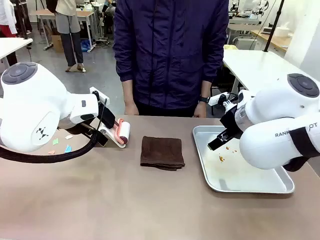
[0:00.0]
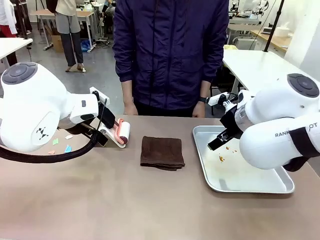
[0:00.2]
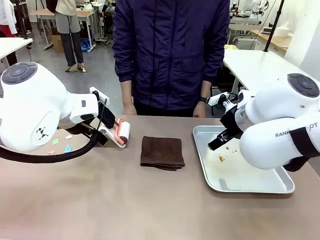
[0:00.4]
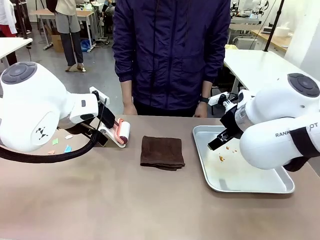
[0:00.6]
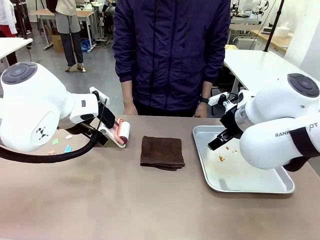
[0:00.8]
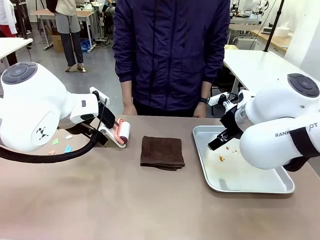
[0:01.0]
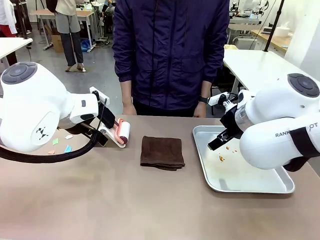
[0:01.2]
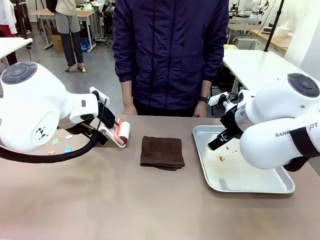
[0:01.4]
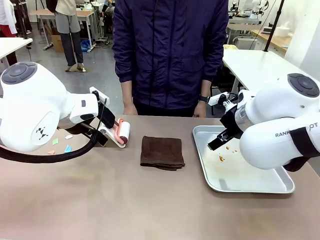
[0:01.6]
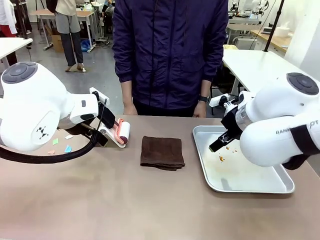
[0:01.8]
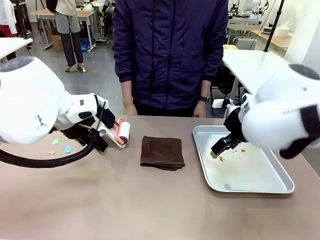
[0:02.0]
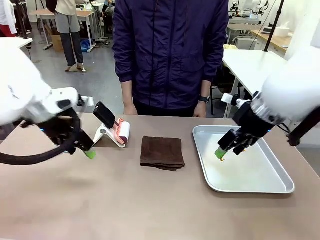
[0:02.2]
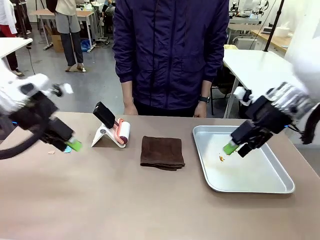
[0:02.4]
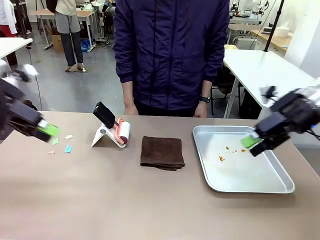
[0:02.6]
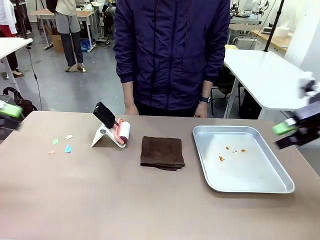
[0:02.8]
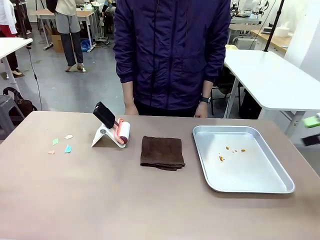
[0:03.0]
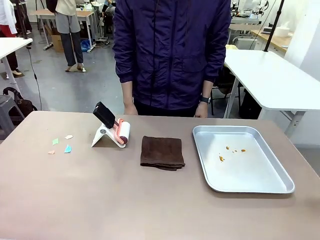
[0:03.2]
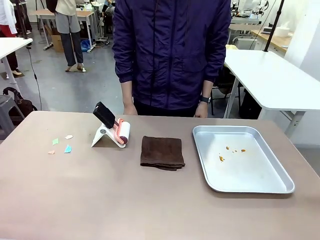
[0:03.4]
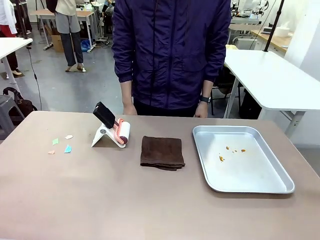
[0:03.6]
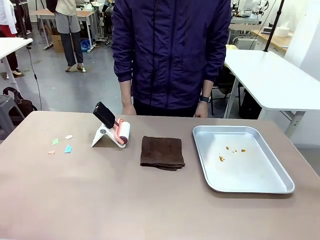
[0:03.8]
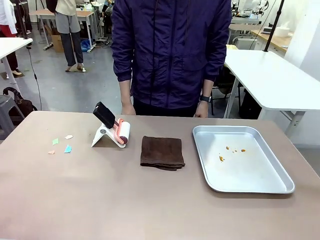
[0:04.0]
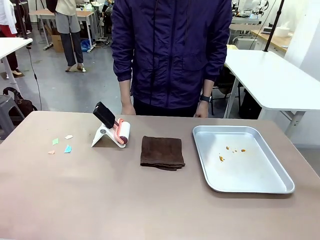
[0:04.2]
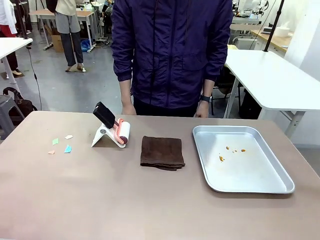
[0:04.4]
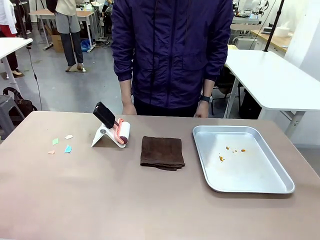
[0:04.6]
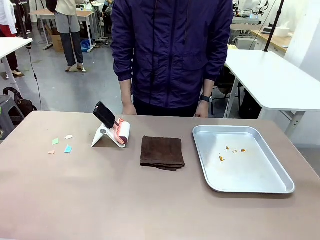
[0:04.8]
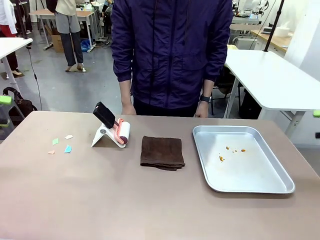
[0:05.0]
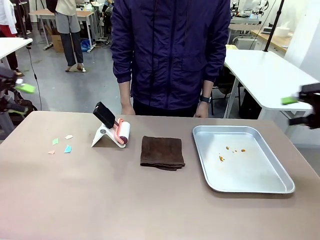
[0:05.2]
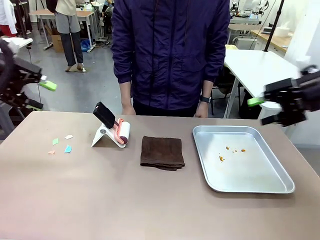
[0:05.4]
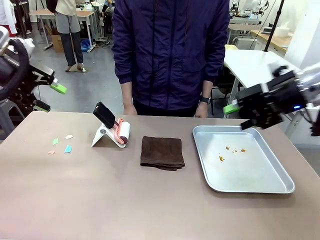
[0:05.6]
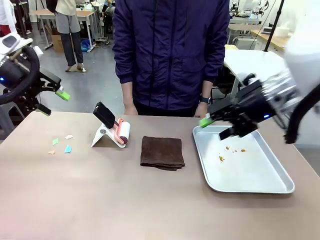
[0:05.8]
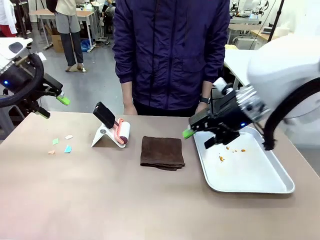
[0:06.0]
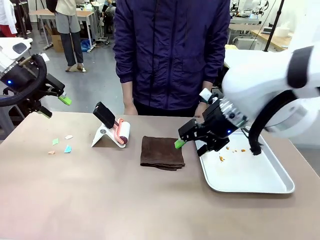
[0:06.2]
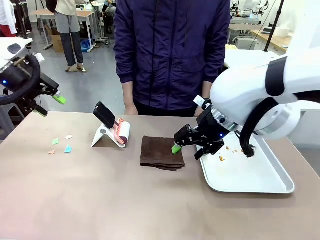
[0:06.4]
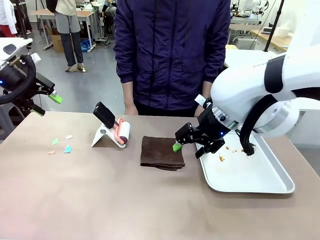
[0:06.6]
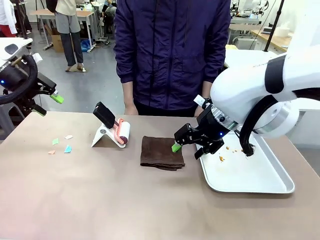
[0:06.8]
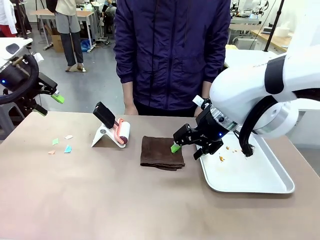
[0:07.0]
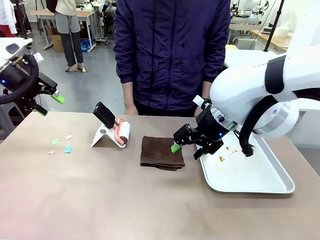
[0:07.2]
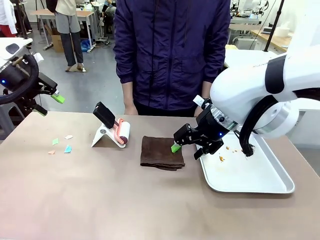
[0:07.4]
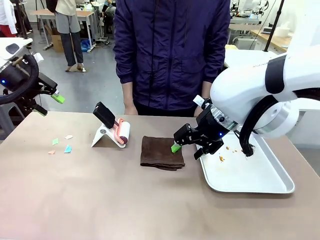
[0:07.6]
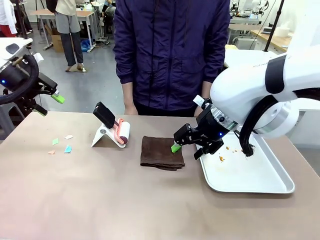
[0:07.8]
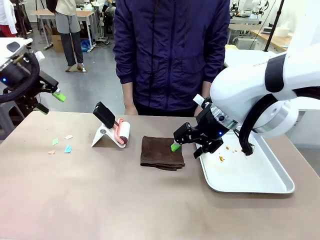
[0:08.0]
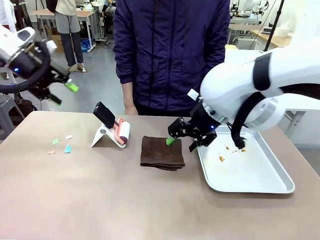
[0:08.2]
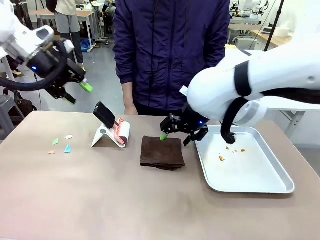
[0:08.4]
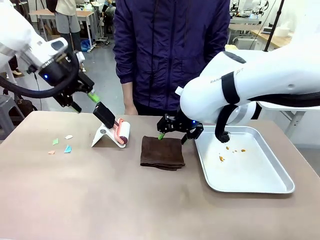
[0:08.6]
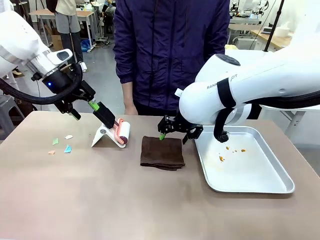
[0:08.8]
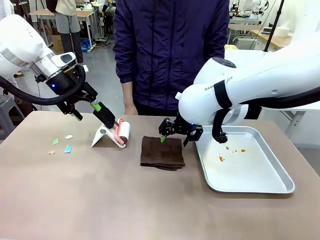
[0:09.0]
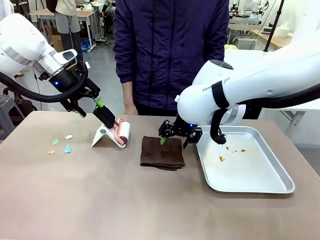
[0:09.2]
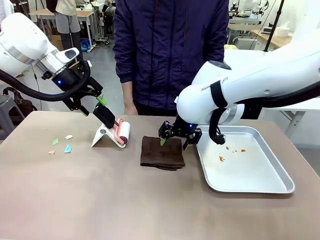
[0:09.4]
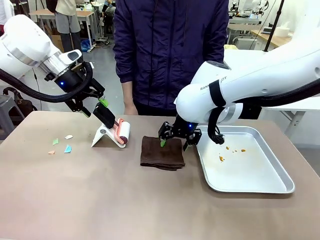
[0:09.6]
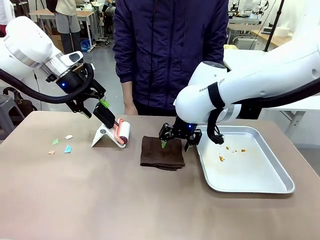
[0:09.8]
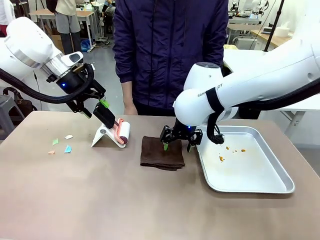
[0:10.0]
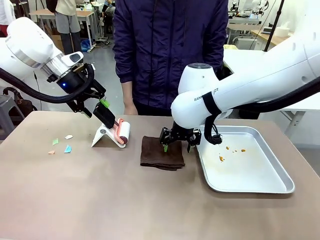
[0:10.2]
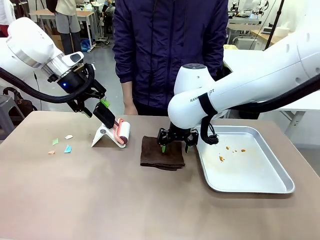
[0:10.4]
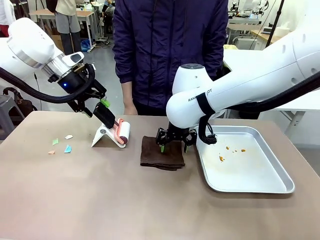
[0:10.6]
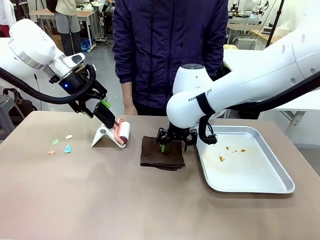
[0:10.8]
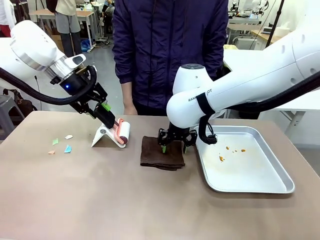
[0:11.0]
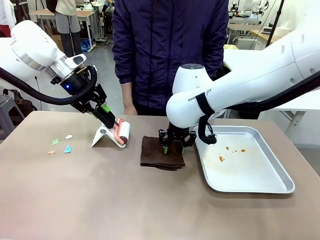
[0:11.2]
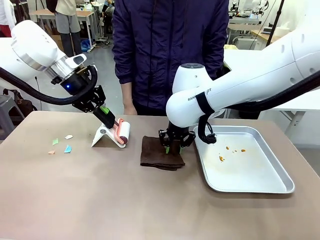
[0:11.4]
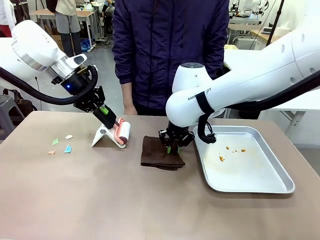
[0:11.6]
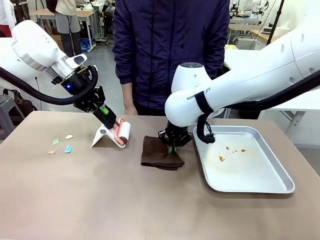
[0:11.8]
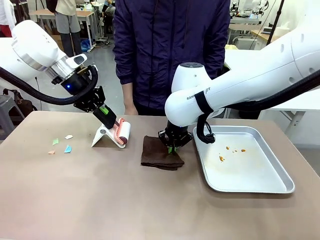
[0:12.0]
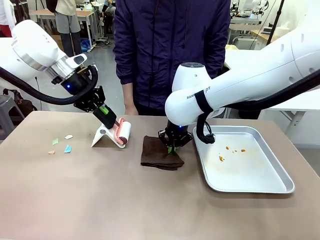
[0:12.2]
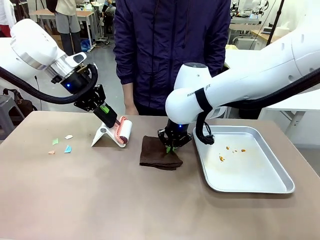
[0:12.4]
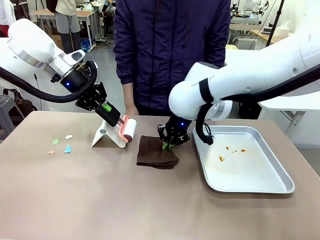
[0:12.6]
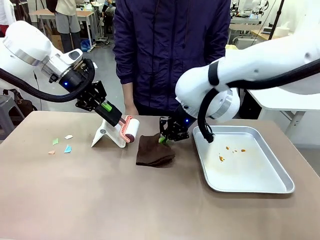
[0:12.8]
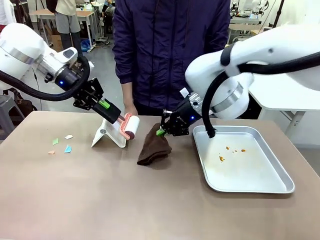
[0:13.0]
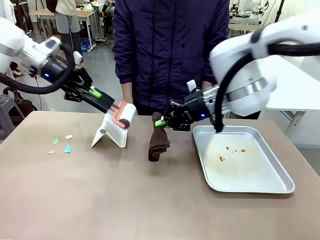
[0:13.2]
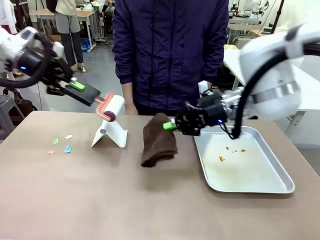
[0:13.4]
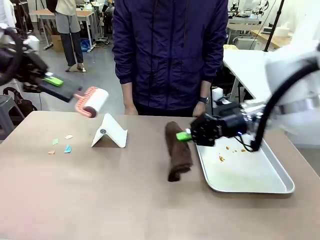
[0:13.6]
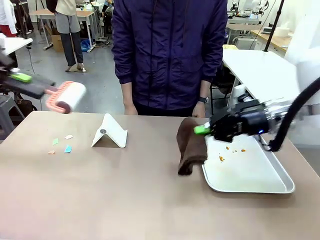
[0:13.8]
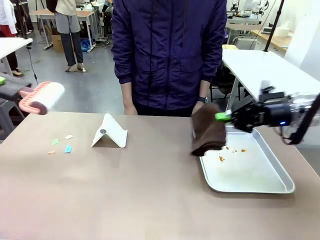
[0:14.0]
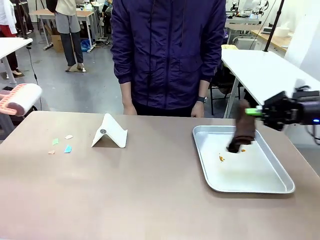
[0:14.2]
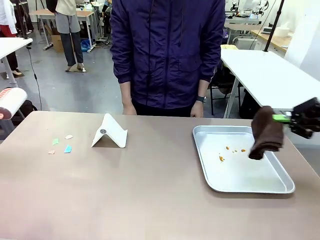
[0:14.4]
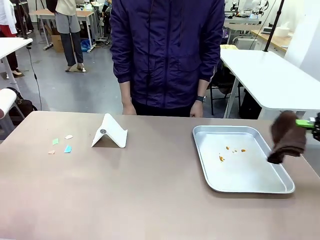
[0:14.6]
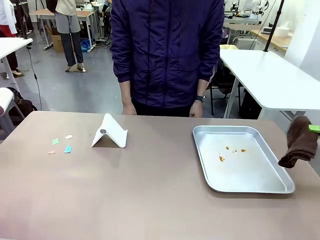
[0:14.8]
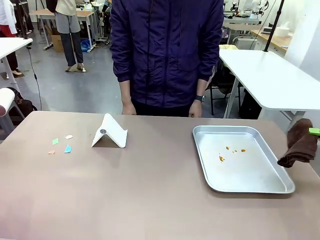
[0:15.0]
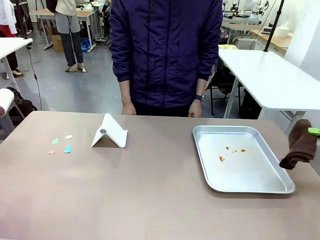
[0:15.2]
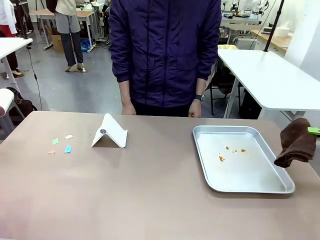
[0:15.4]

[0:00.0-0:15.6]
Task: Clean the surface of the table.
Robot: Hold the Lint Roller with your left hand and the towel with your right hand.

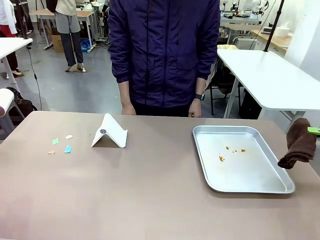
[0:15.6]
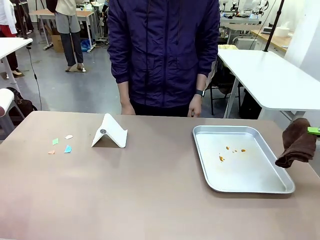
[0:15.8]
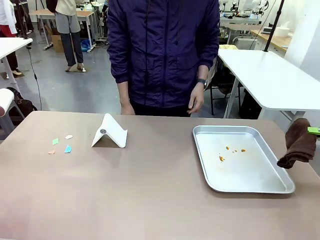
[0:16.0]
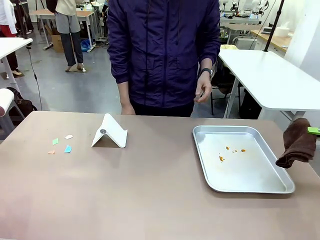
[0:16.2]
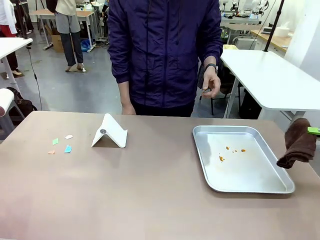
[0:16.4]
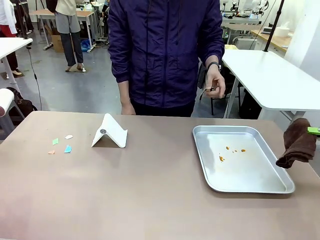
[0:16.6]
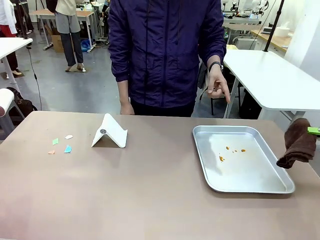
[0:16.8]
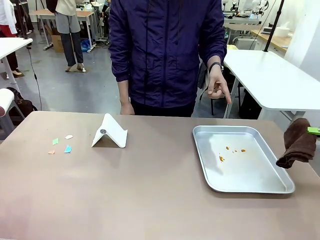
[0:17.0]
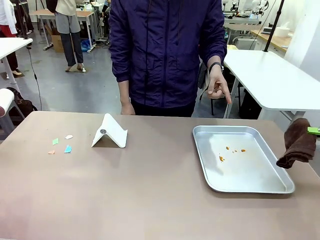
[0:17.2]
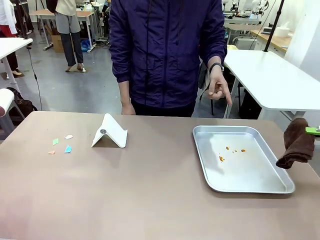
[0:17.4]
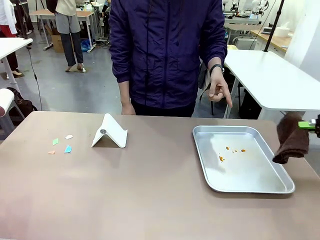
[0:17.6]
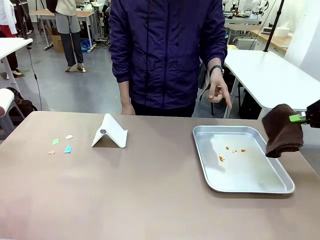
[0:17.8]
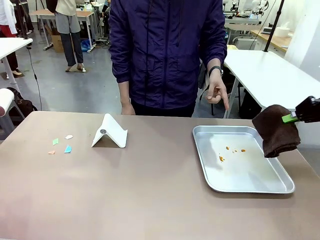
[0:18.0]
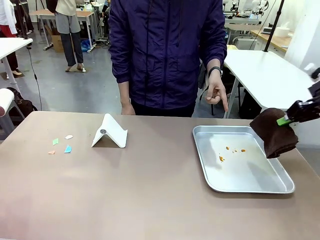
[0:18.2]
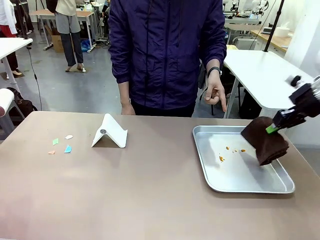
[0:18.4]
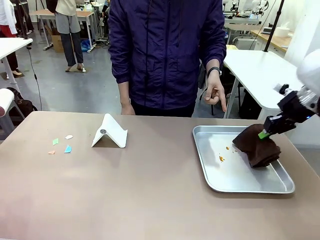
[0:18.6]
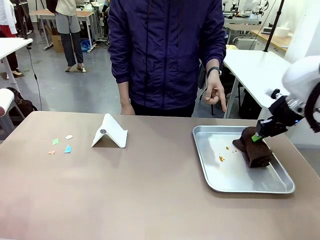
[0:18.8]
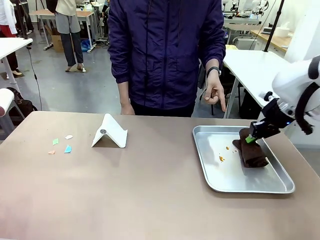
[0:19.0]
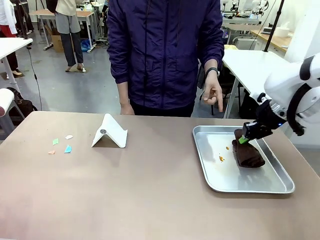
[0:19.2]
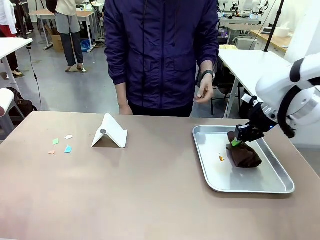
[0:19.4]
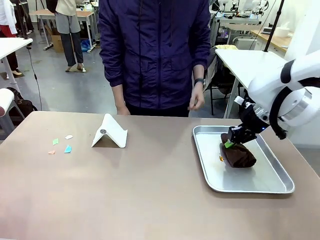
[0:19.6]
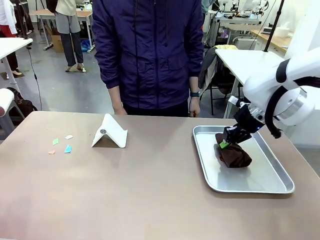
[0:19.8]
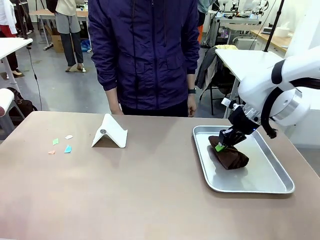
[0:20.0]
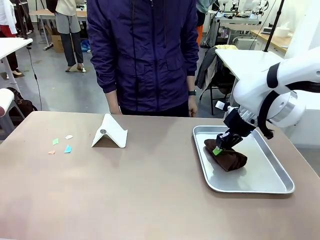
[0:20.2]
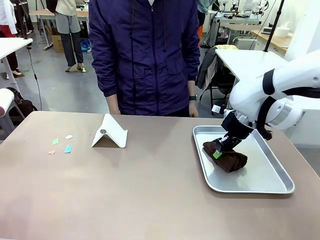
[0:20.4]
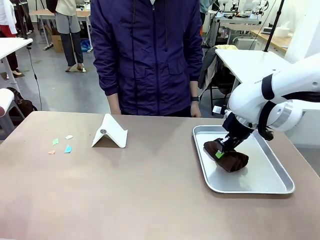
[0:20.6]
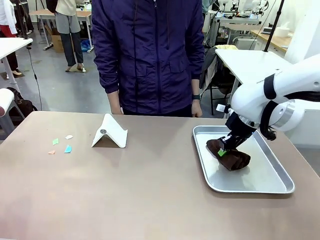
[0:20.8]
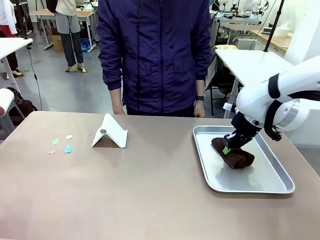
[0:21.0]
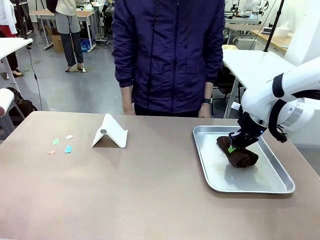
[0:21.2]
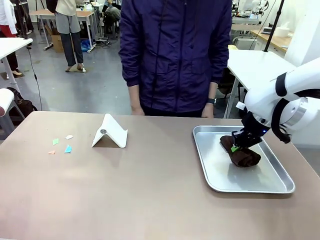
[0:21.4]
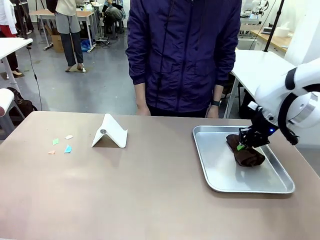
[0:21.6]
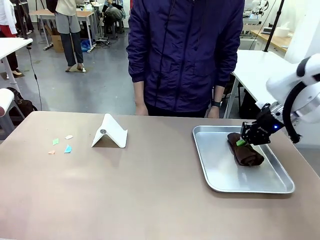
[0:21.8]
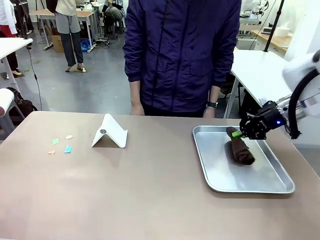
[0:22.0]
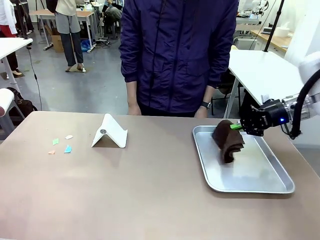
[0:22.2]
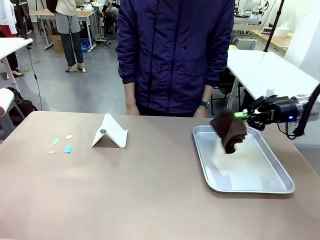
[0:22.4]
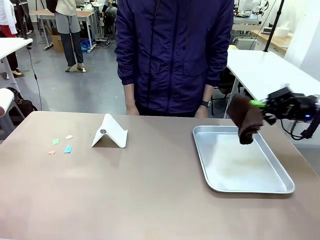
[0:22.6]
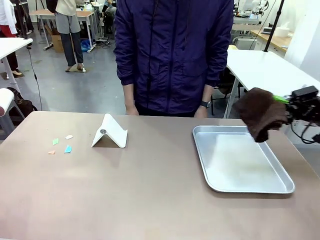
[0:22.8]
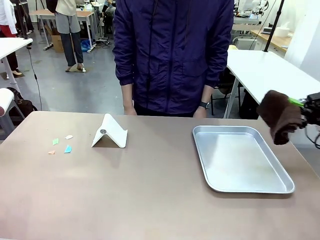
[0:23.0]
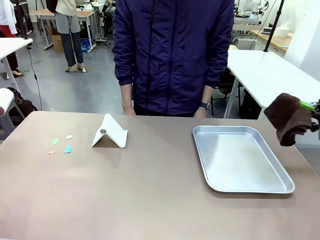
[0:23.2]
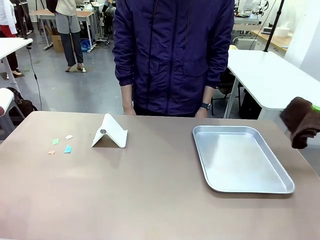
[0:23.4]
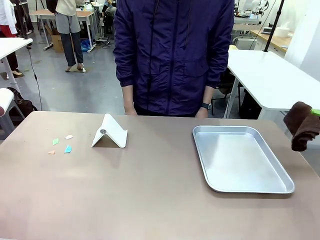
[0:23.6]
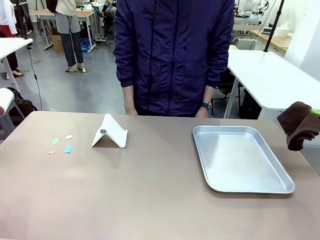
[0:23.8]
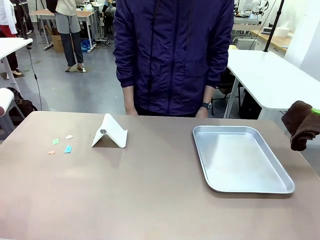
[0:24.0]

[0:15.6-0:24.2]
Robot: If a person points to the right, clean the right side of the table with your right hand, and if they point to the left, clean the left side with your left hand.
